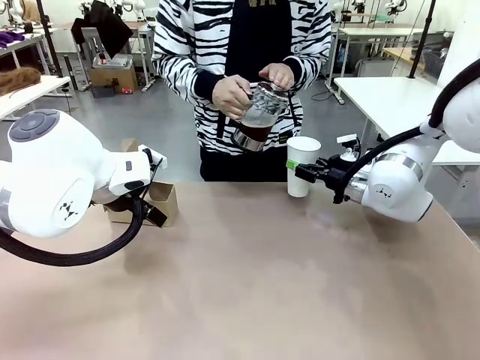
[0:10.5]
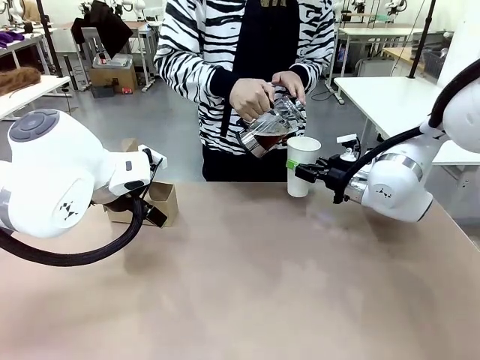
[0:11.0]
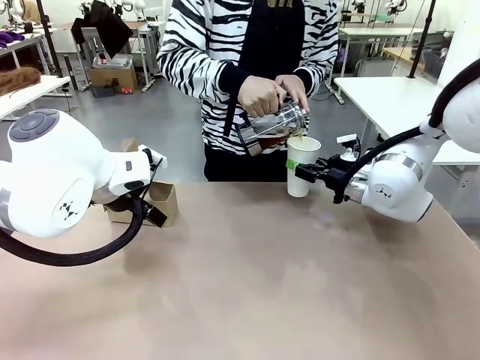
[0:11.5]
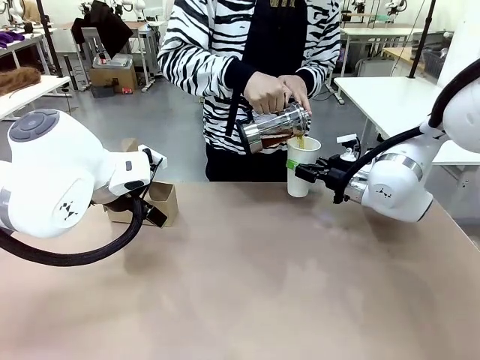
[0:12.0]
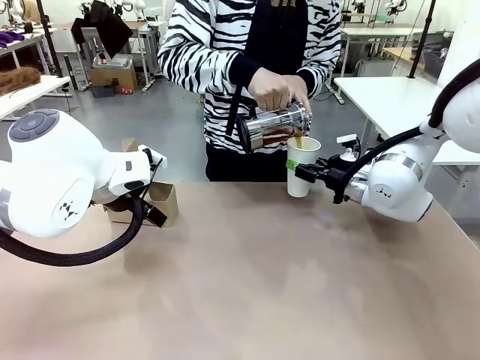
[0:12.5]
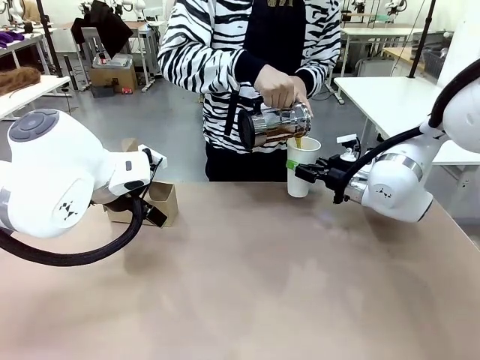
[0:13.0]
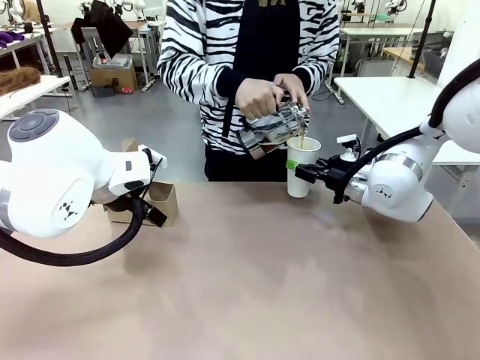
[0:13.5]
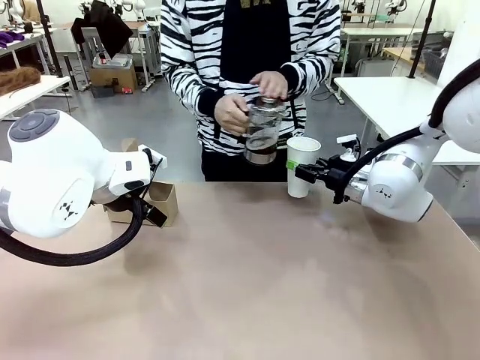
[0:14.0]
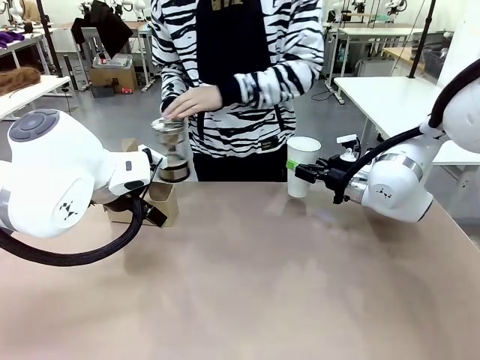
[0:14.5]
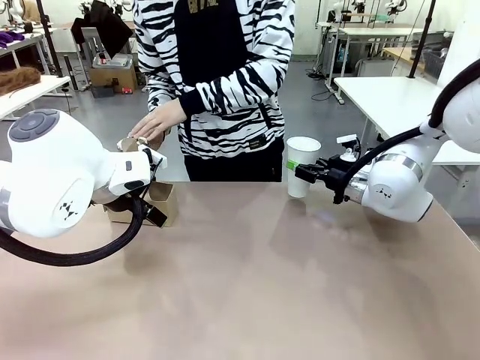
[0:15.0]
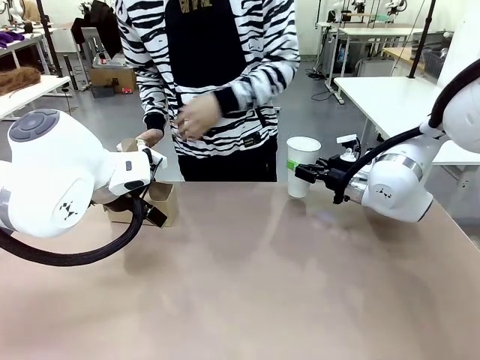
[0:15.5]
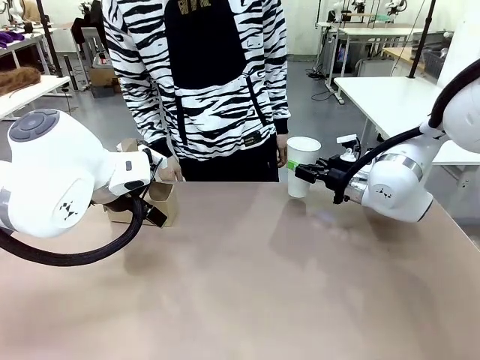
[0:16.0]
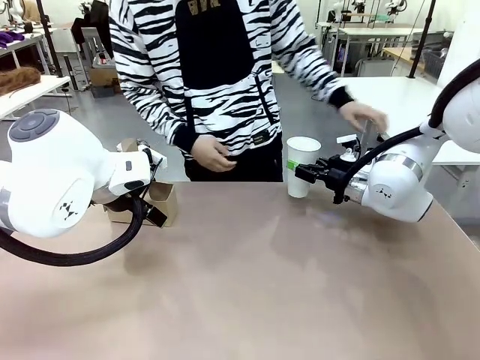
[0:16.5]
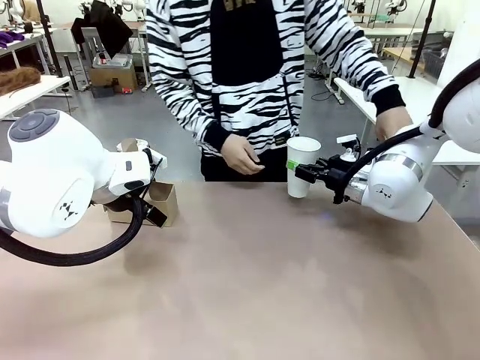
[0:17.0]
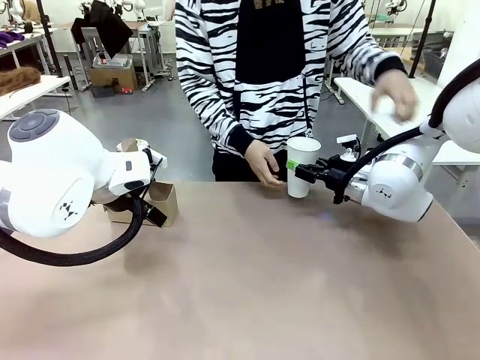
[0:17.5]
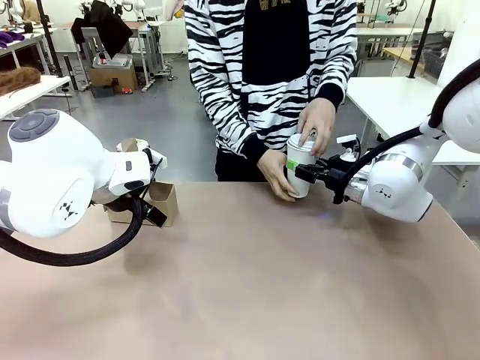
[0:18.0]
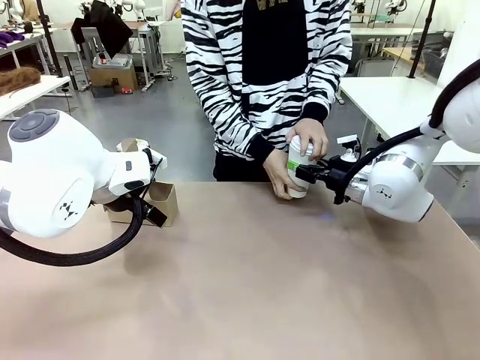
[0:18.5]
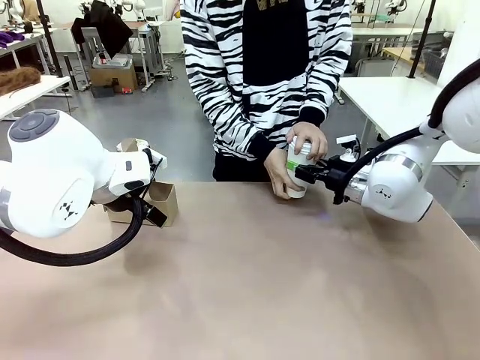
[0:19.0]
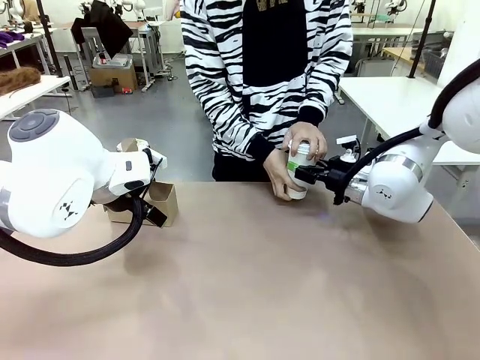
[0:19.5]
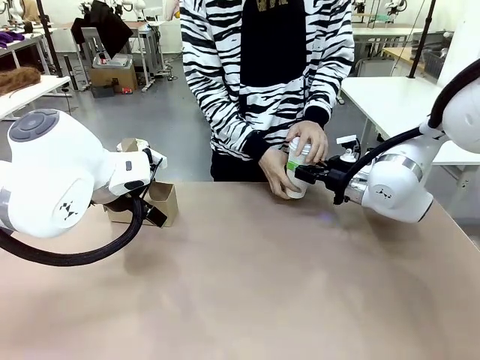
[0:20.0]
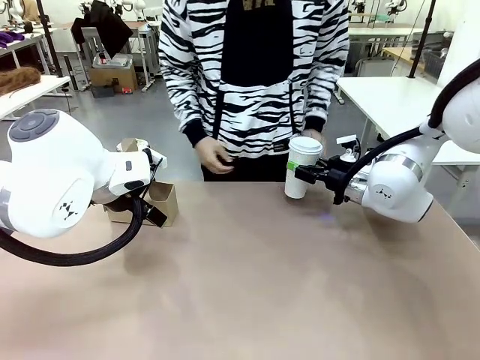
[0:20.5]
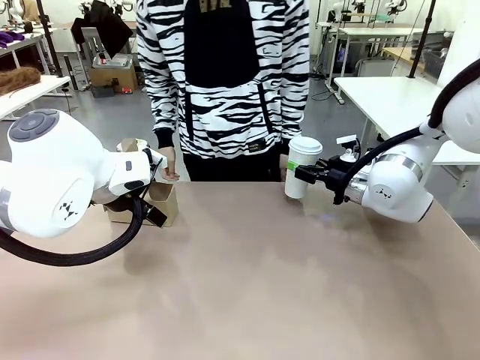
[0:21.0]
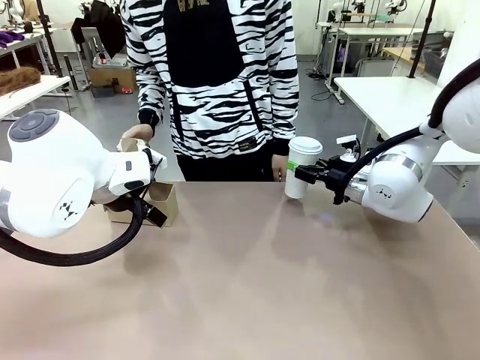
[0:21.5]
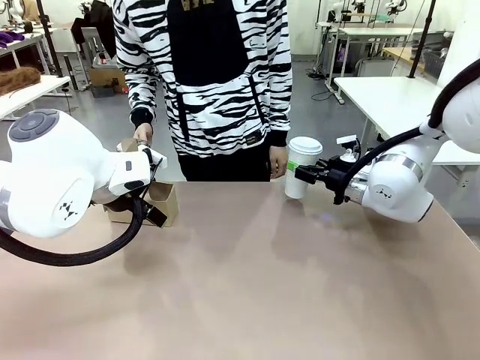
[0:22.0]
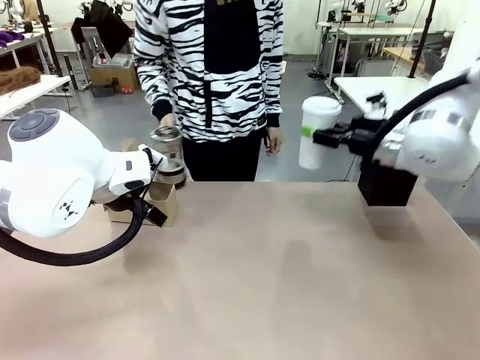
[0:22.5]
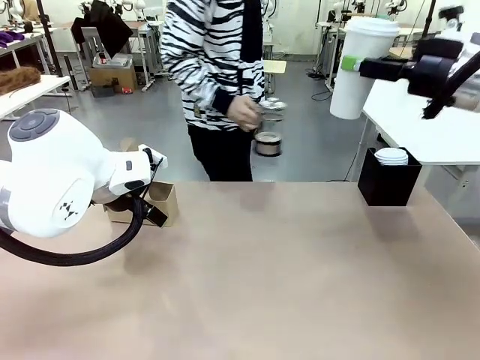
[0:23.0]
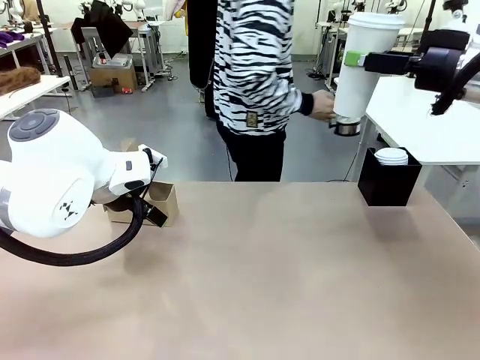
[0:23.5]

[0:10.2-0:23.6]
Task: Pour a drink into a cup and package it in a carrier.
Robot: When a person places the Paper Cup Lid on the 600 ml Paper Cup , lift the 600 ml Paper Cup.
Person: Pour the drink from the Filter Brewing into the 600 ml Paper Cup. Place a Paper Cup Lid on the 600 ml Paper Cup.

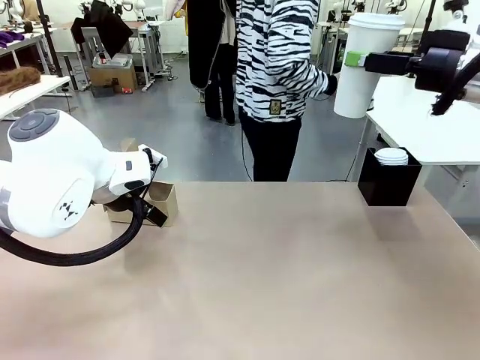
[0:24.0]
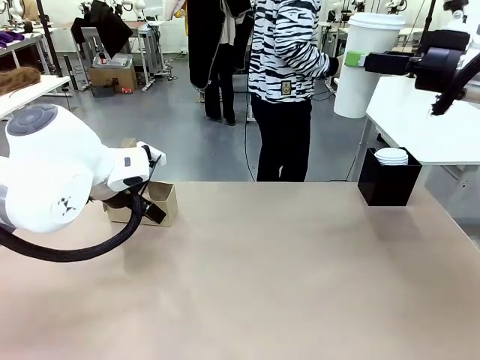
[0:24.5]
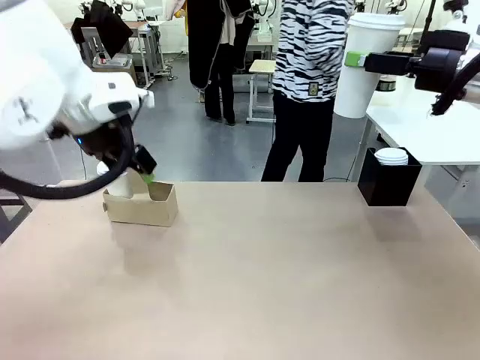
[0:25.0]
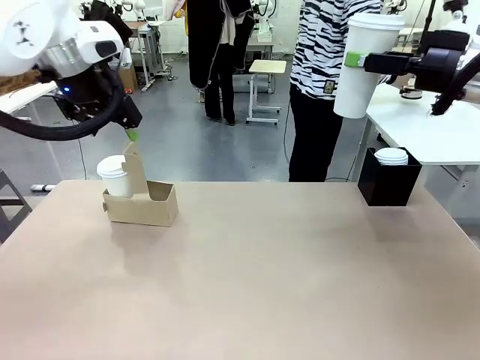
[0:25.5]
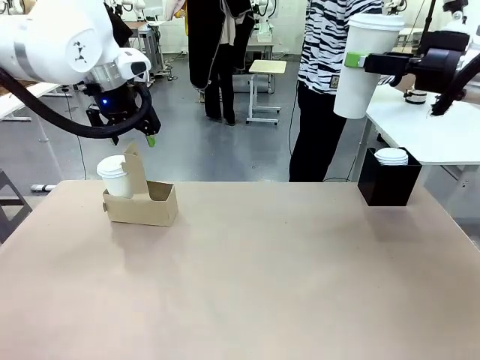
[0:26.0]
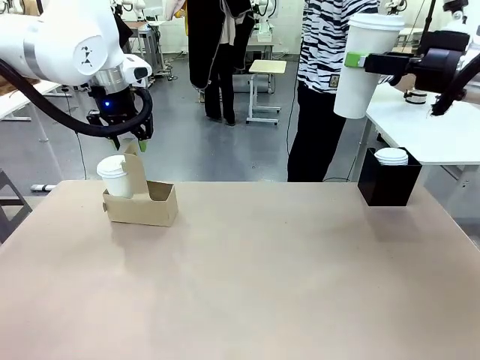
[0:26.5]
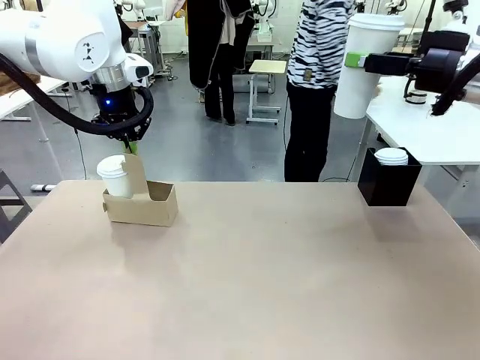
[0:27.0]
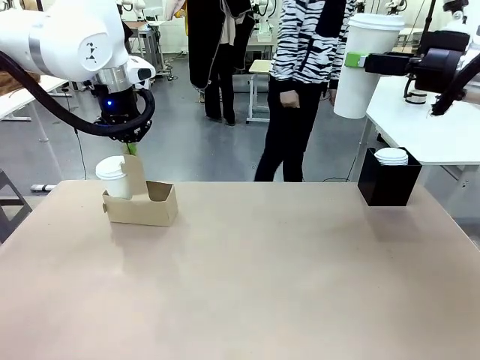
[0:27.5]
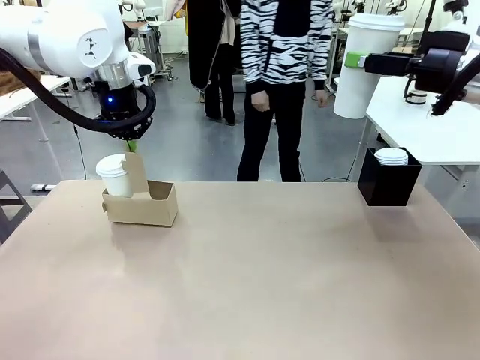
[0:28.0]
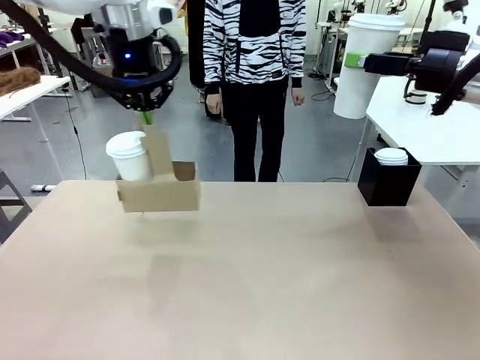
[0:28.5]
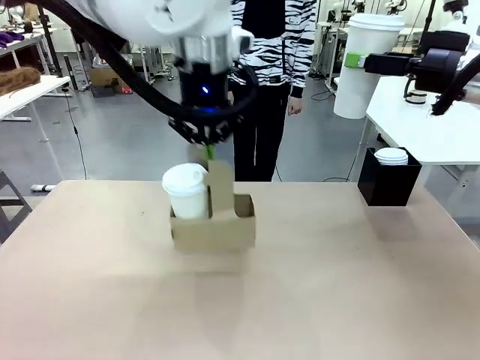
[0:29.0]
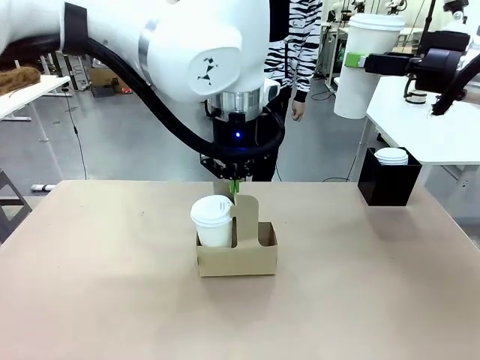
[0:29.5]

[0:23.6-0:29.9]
Robot: Position the Cup Carrier in the center of the table.
Person: Pick up the Filter Brewing and place on the middle of Human table, and return to the Robot table.

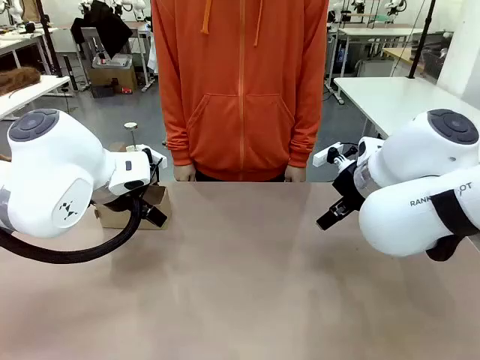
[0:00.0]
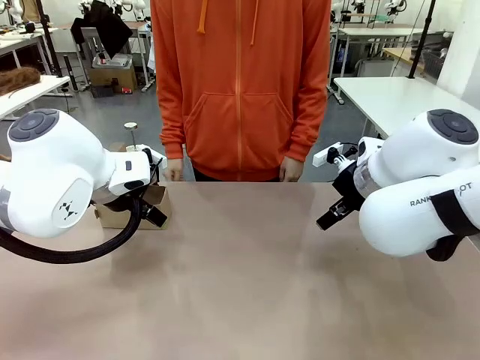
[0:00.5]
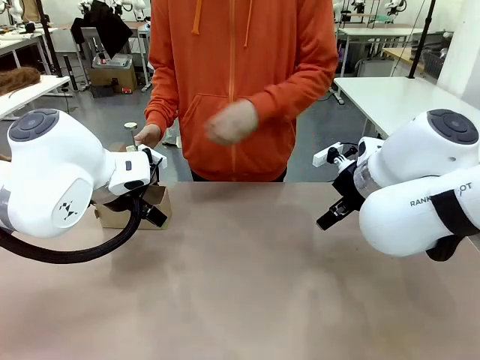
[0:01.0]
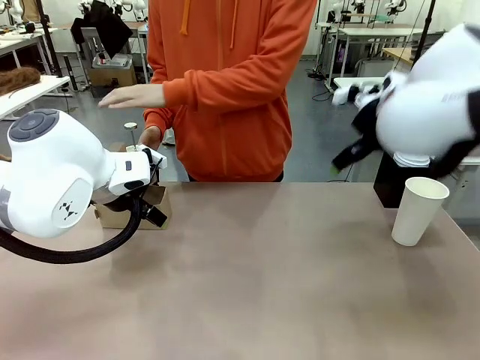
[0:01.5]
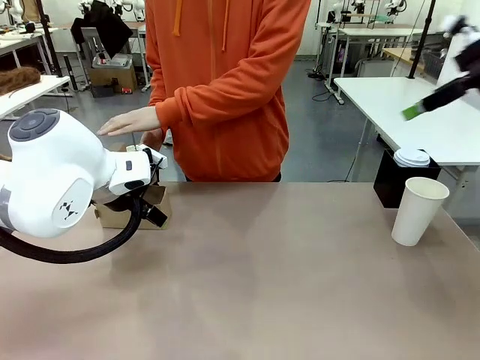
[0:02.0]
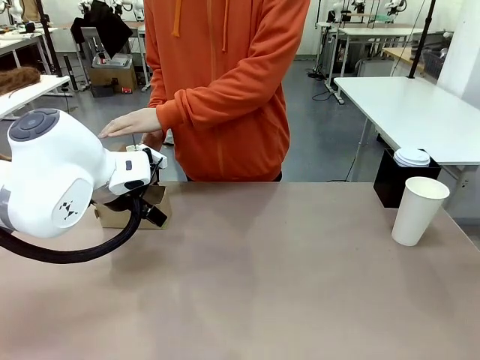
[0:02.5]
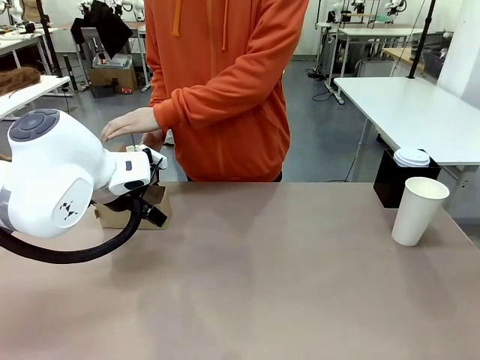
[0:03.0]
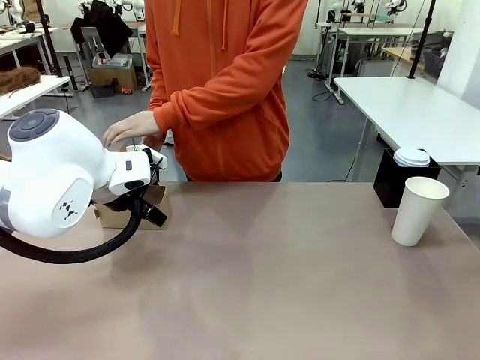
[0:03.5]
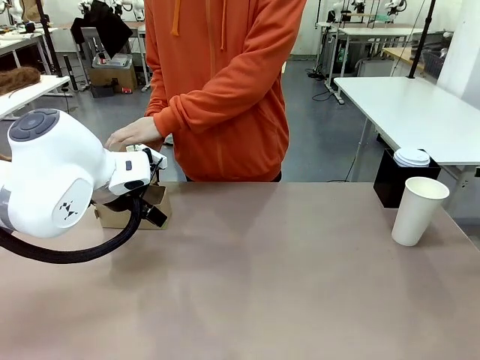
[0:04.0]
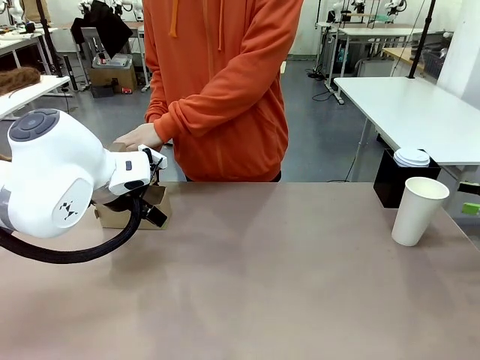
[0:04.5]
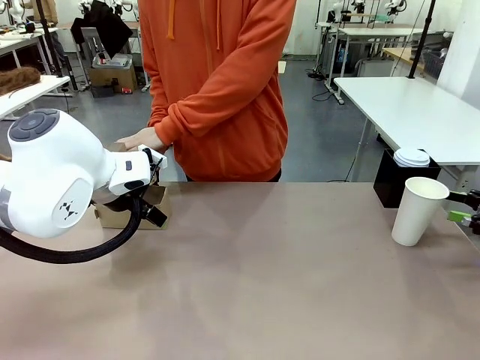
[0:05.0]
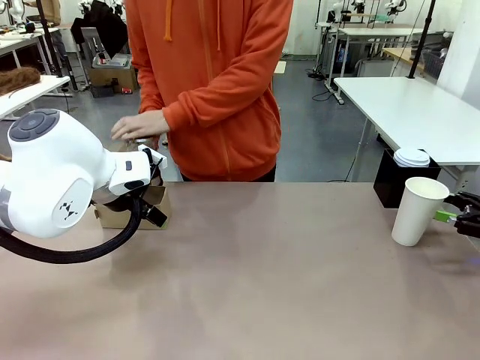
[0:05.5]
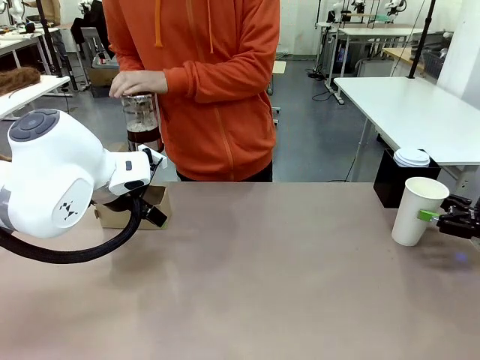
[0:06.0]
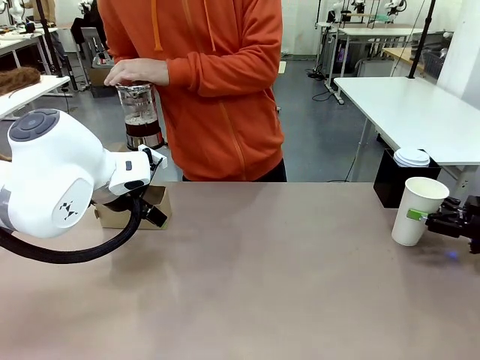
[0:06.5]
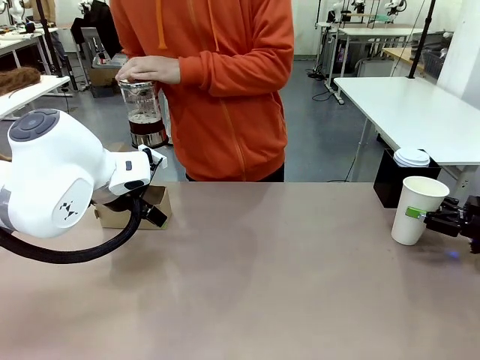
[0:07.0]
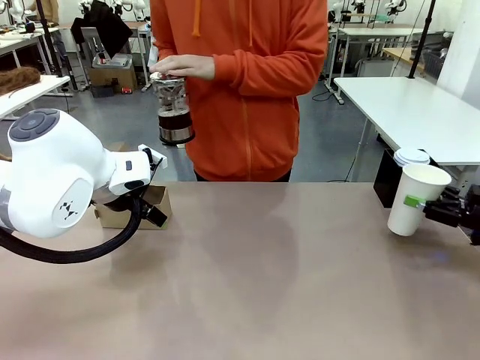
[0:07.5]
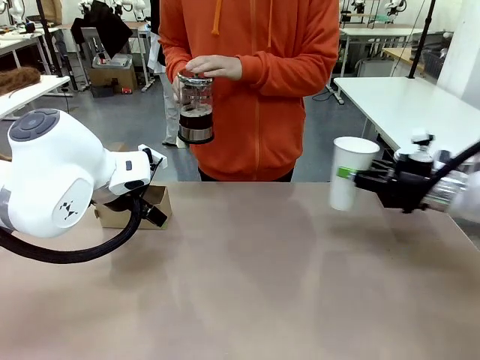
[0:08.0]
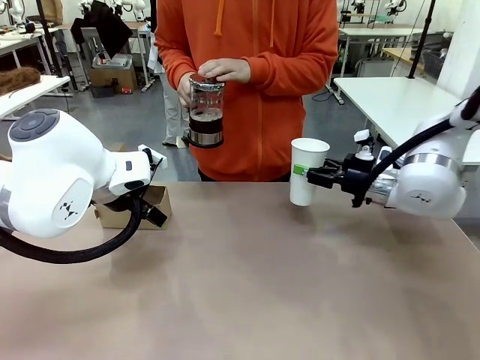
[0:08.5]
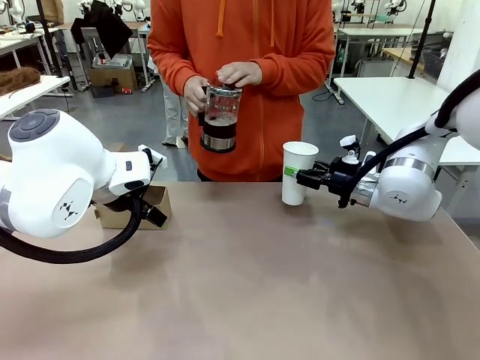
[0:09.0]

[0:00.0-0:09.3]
Task: Pour a drink into a cup and package it in a carrier.
Robot: Pick up the 600 ml Paper Cup and place it in the middle top area of the table.
Person: Press and pick up the Filter Brewing.
